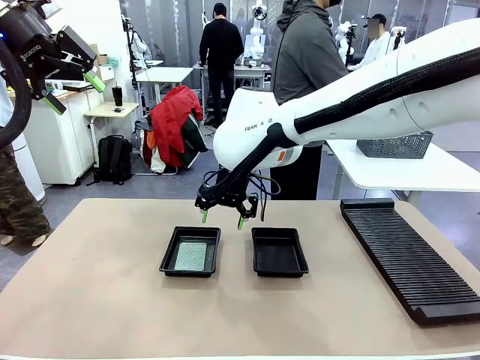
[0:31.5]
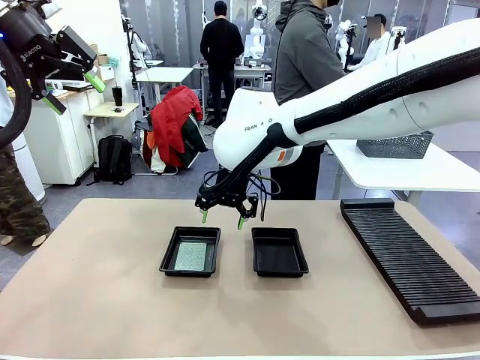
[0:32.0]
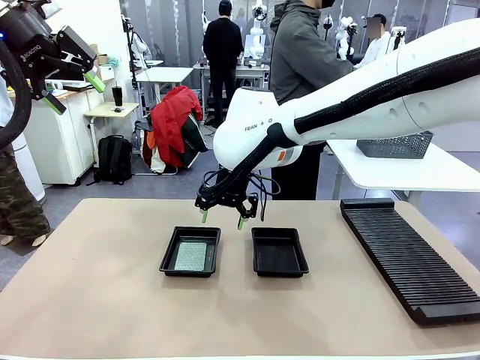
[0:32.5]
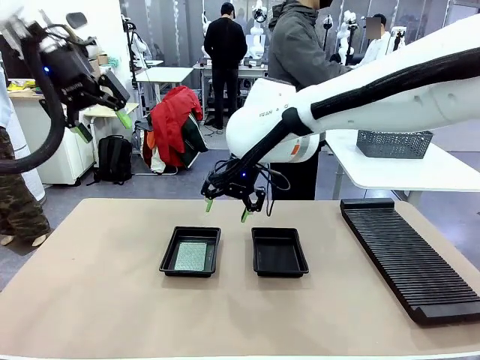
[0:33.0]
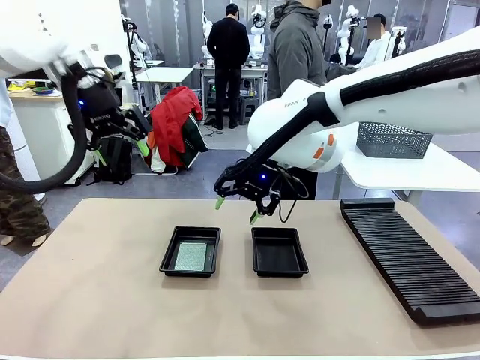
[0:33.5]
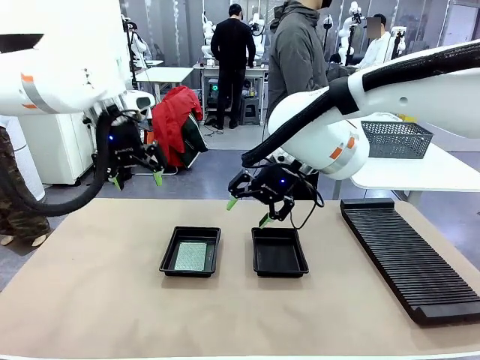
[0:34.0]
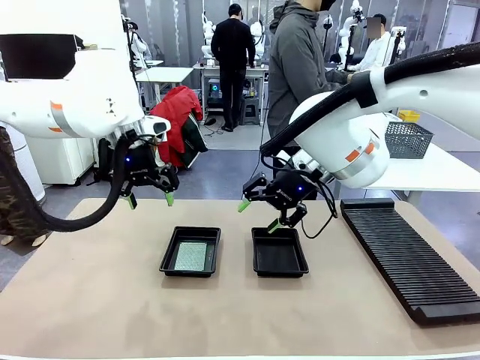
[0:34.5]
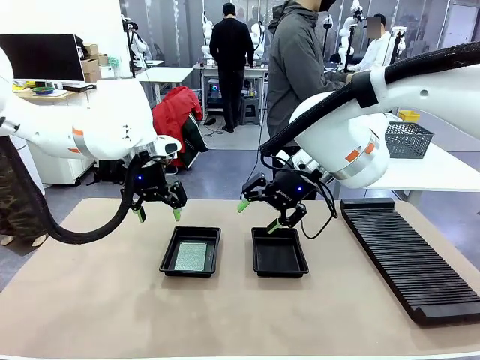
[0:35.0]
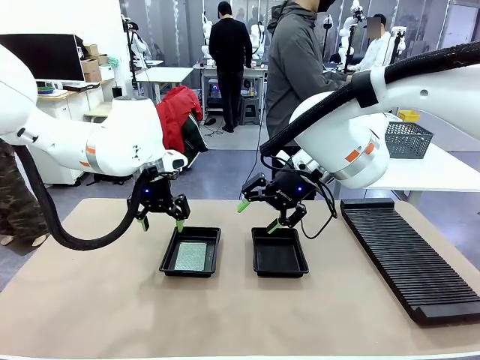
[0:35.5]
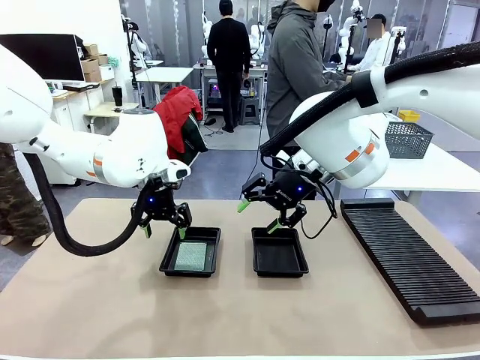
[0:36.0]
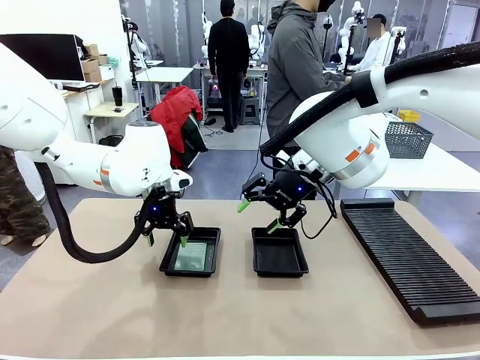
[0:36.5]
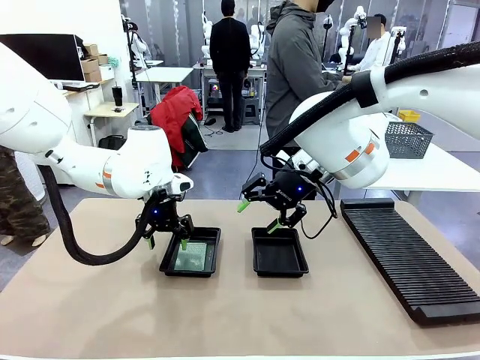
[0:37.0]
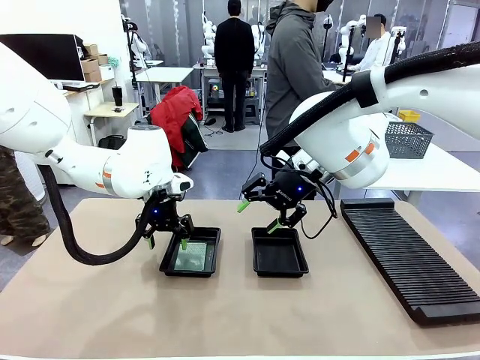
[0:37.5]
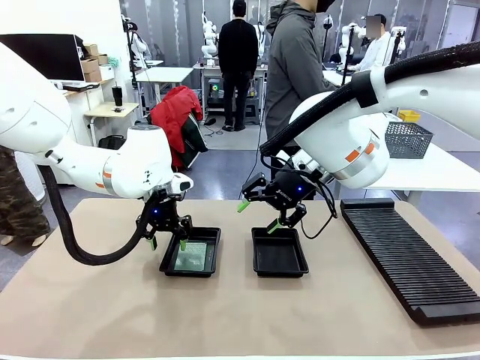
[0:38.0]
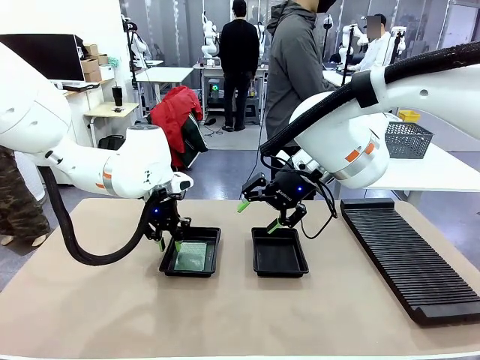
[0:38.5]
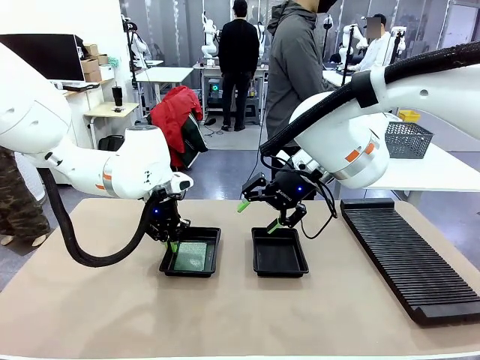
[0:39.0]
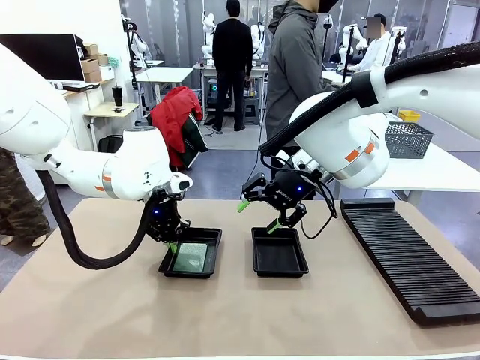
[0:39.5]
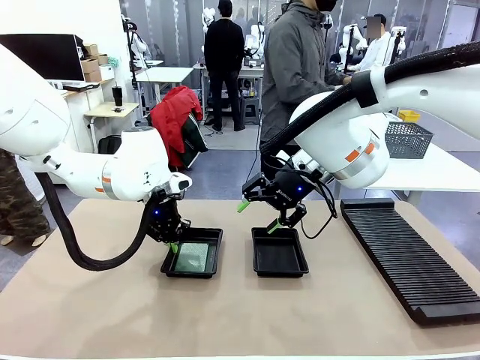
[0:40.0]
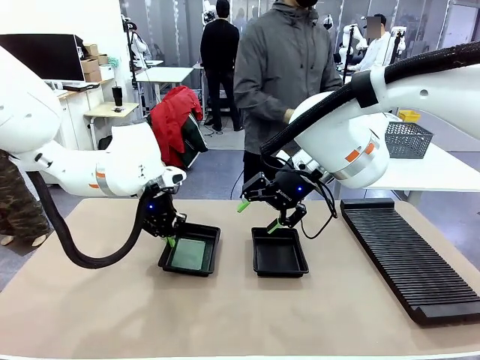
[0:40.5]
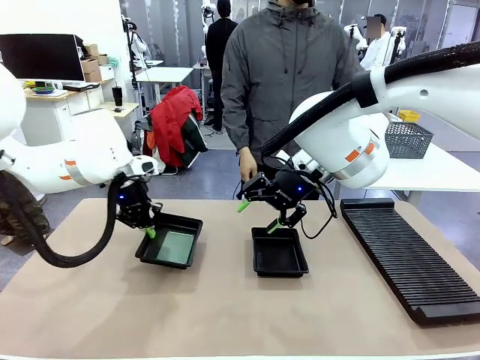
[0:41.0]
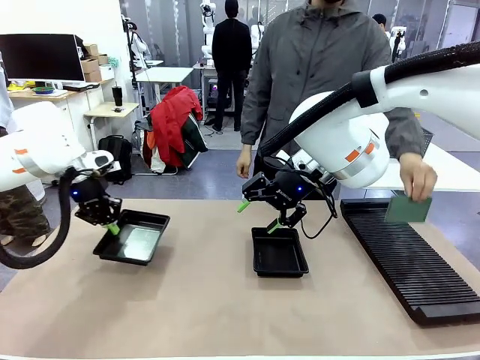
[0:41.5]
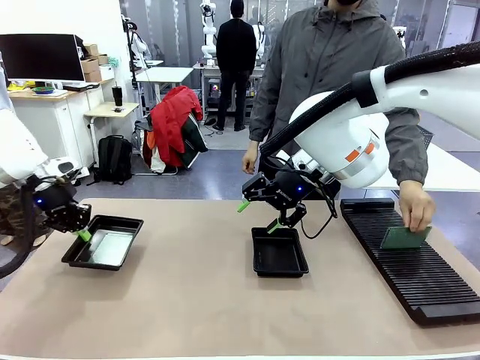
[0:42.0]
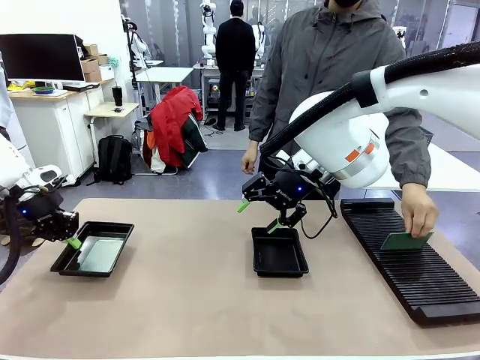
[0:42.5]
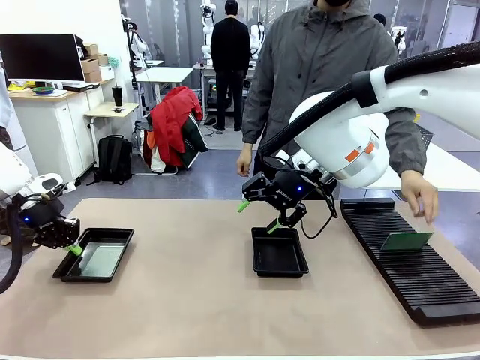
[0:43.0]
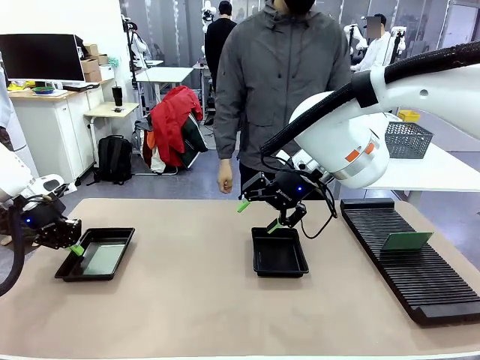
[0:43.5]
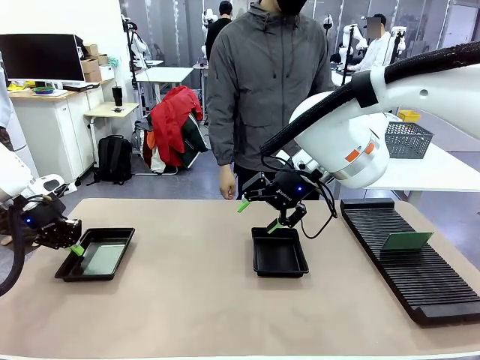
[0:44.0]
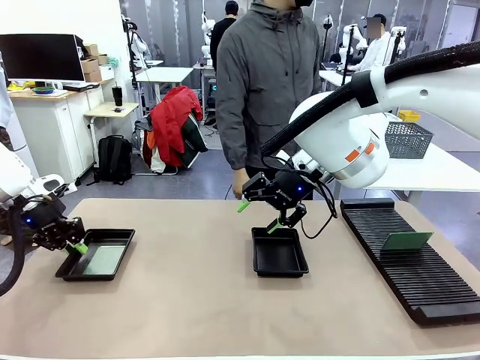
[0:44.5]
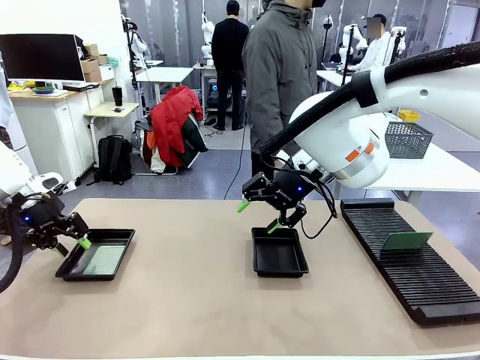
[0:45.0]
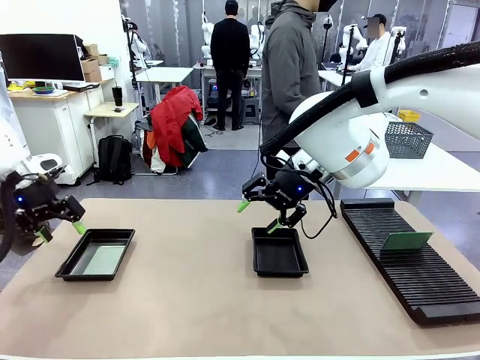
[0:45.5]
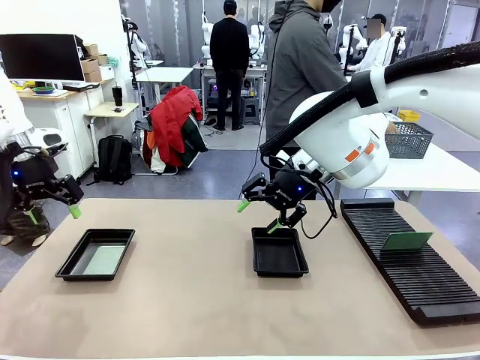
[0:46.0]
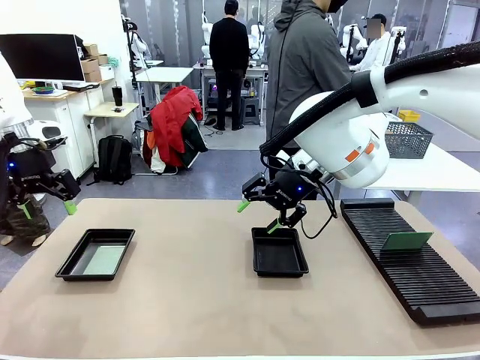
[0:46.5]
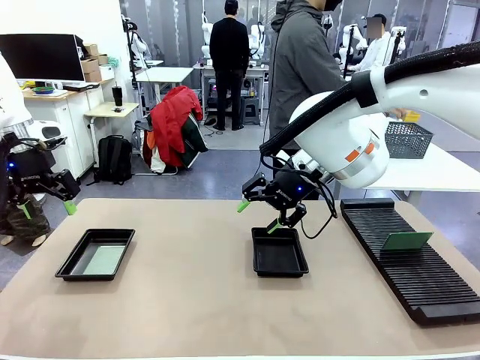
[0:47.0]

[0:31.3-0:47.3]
Task: Inspect and transfer BCBs to ESD trays.
Robot: Pick up the ESD tray and place it on the left side of the table.
